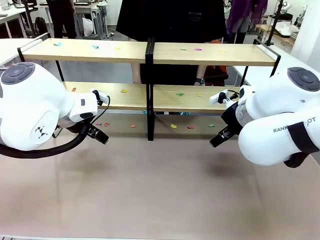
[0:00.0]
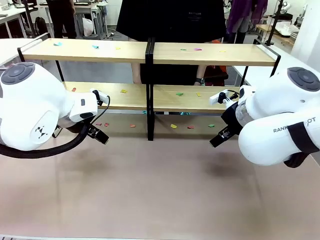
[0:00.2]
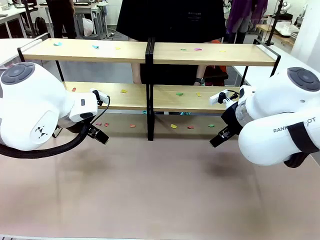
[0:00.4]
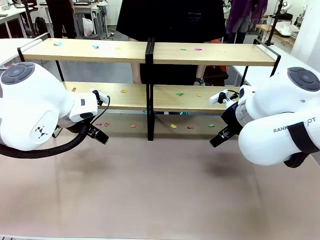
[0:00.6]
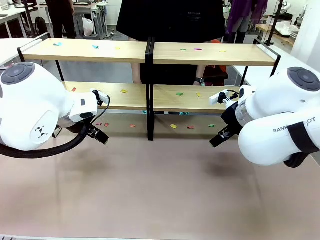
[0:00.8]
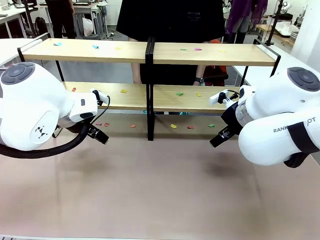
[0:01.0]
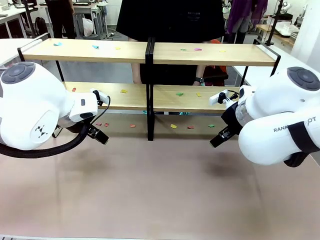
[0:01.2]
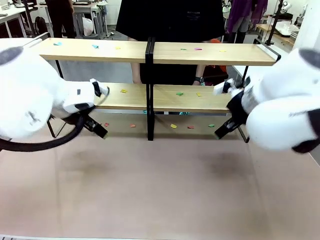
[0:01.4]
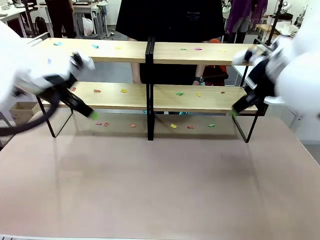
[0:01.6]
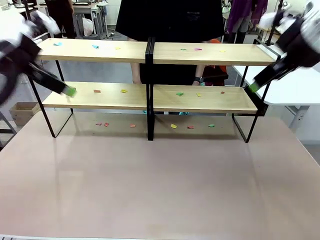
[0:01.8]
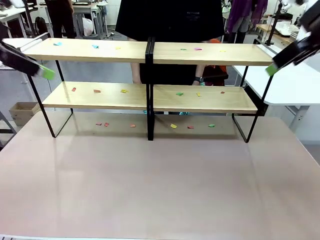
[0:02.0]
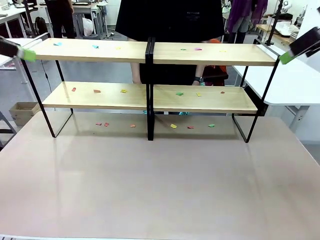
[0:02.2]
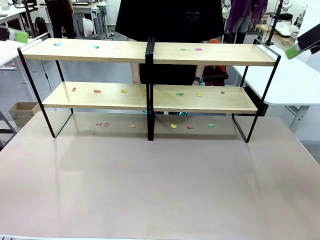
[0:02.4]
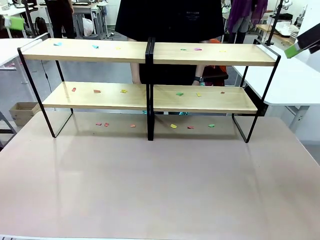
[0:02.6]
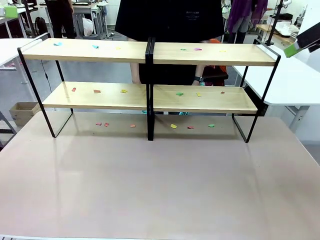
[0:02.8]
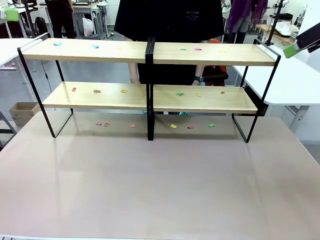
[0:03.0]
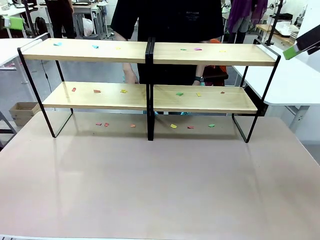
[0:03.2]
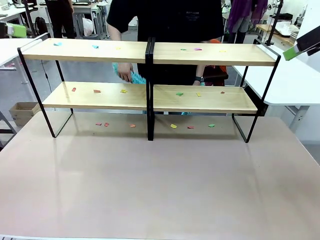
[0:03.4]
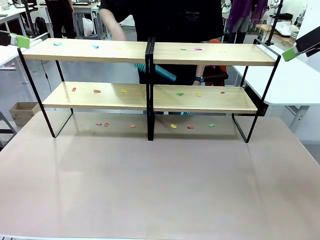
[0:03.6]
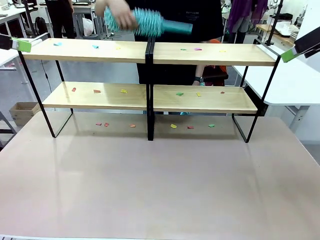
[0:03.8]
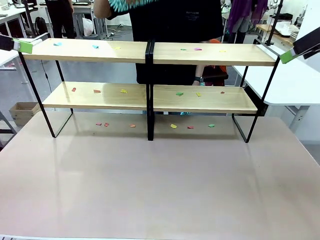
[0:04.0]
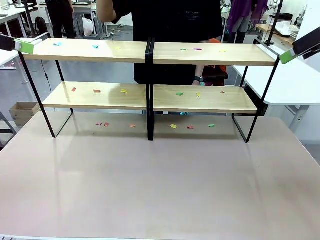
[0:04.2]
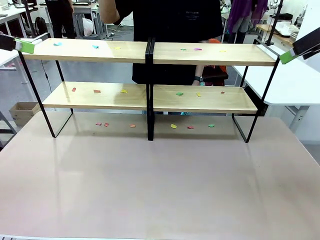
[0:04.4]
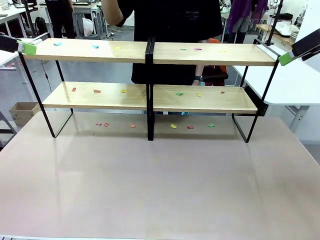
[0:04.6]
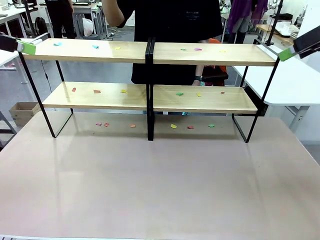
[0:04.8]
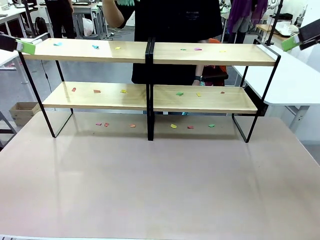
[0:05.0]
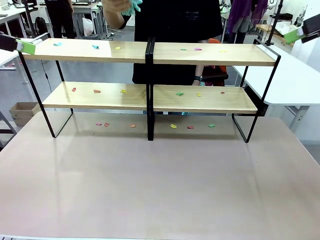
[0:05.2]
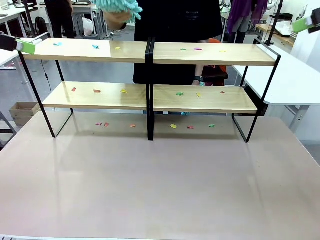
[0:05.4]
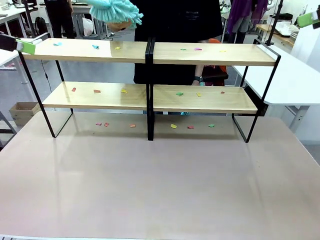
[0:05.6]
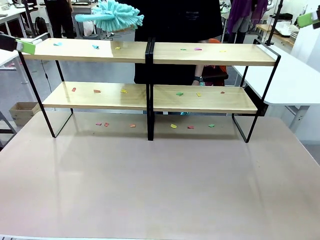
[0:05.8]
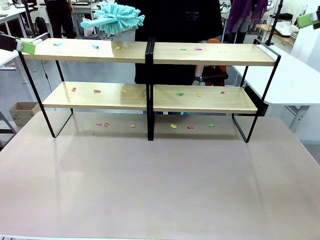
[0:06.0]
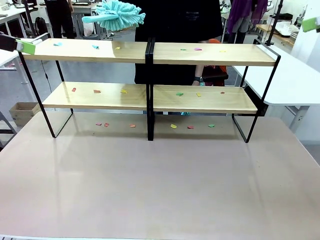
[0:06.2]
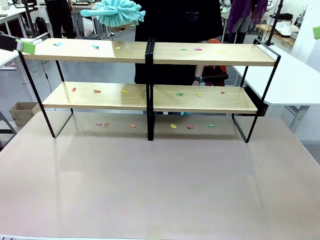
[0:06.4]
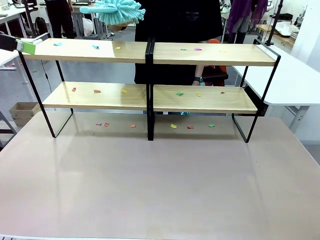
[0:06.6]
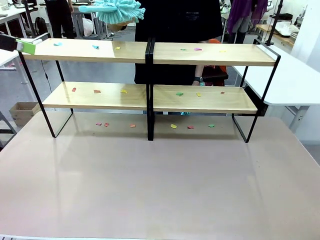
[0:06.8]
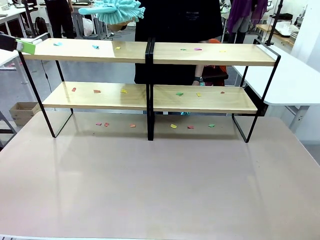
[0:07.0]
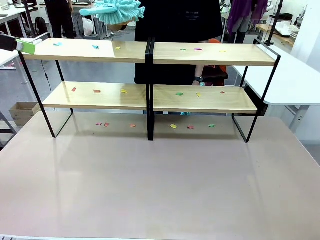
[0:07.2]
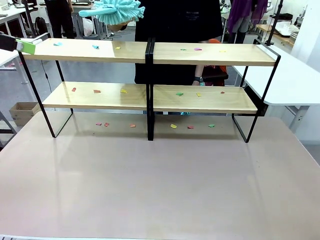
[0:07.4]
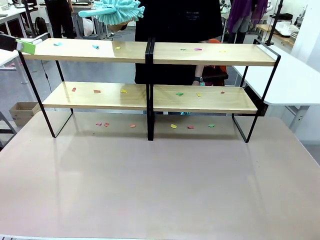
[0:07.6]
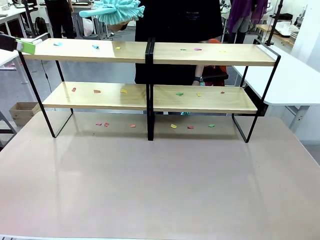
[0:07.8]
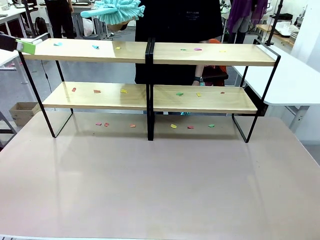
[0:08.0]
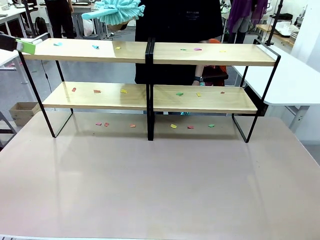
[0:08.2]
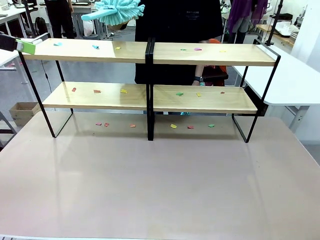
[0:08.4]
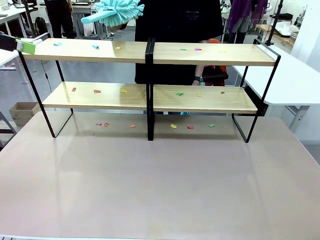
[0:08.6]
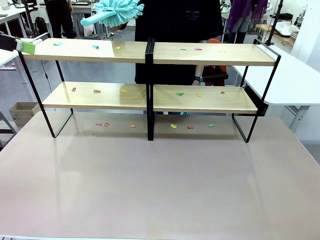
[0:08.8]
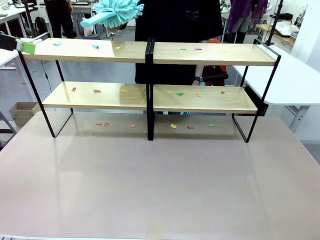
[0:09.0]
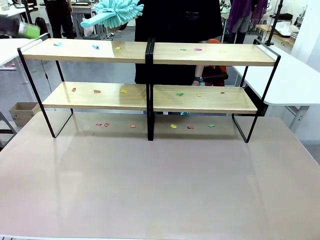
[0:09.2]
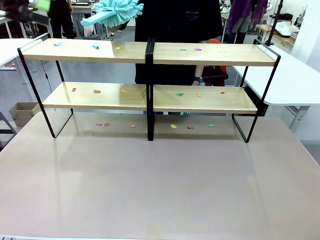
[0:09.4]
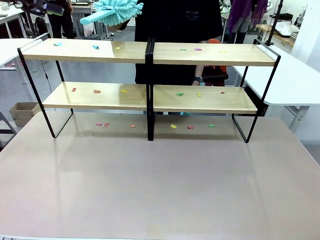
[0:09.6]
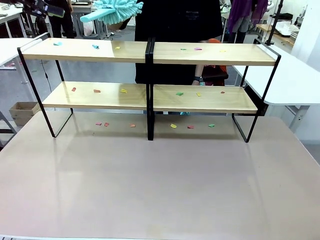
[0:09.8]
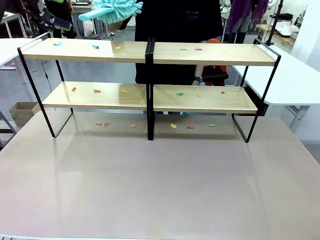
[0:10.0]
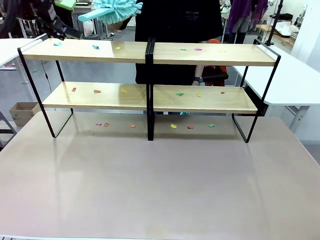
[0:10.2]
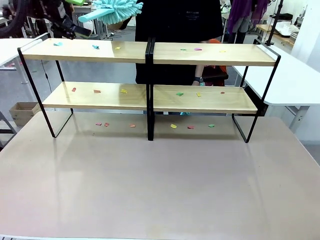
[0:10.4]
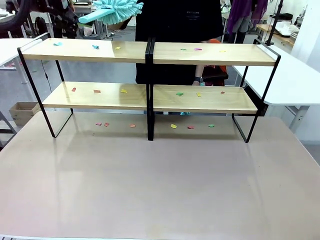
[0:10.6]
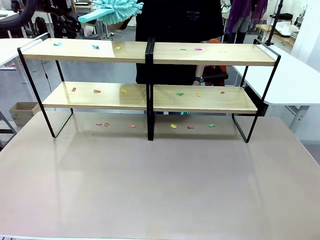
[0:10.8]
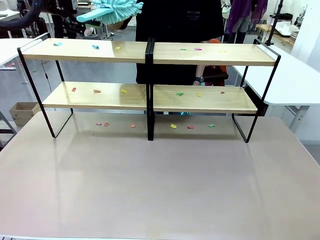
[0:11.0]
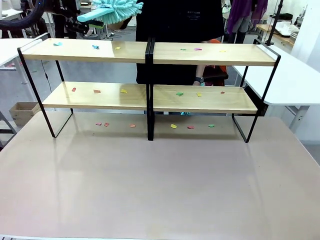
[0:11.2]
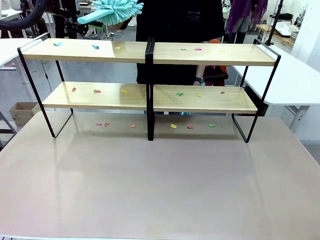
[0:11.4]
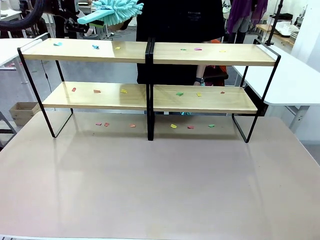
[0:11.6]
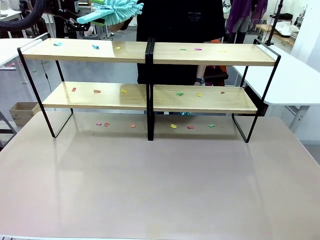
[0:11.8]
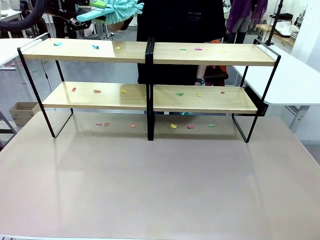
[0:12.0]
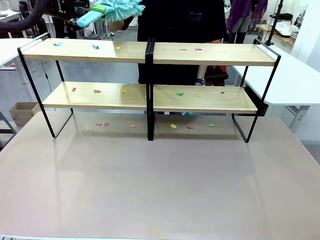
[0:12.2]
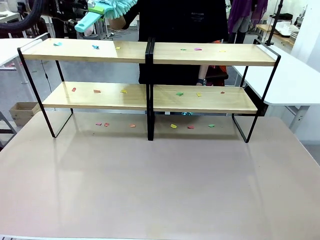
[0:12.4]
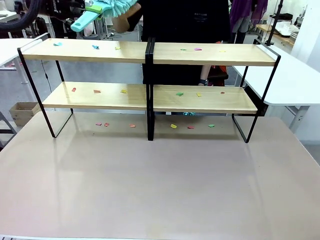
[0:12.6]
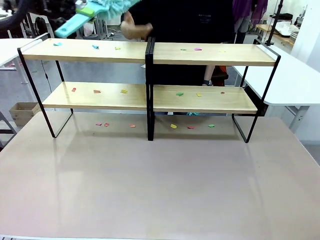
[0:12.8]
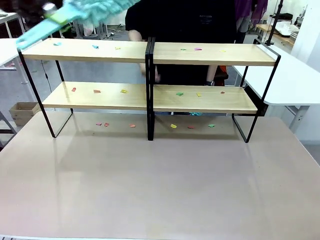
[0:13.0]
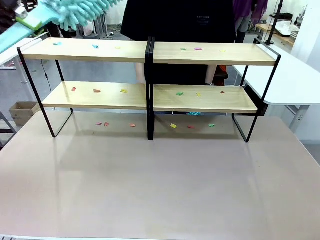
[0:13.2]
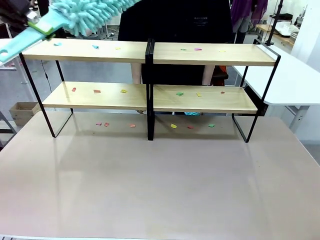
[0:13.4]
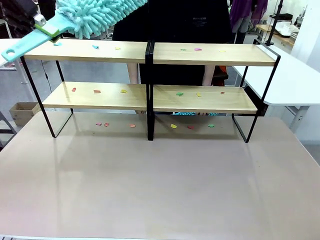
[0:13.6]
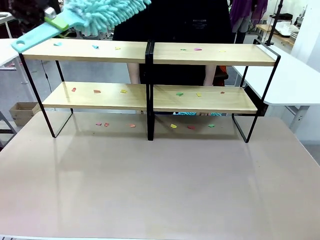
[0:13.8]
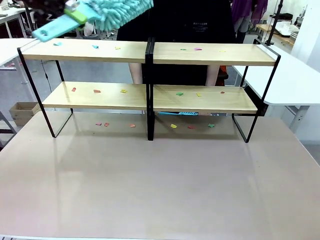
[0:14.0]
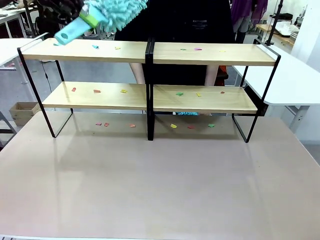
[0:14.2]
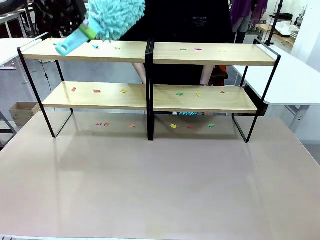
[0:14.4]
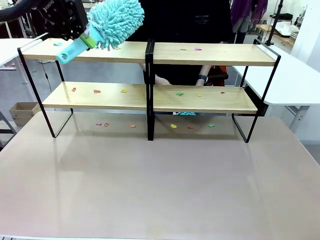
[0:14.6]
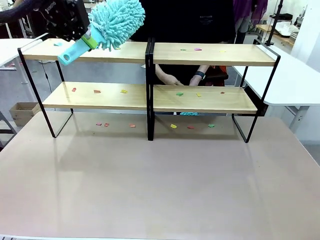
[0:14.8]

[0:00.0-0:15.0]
Task: Clean the shelves.
Robot: Pick up the Duster when the human hands it over.
Person: Hand the Duster to the robot with your right (or left) hand.

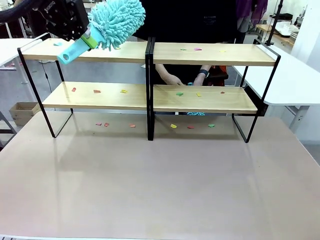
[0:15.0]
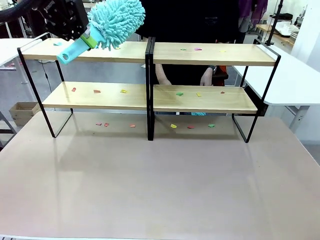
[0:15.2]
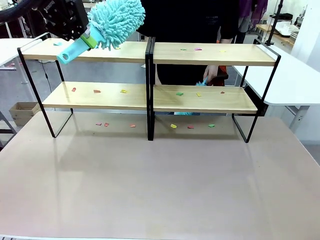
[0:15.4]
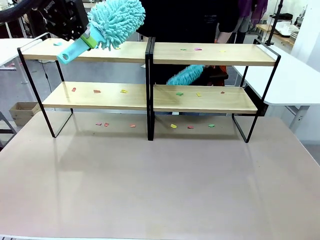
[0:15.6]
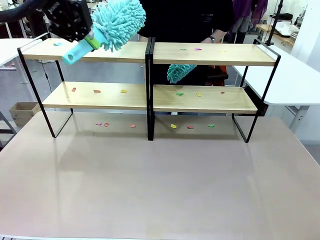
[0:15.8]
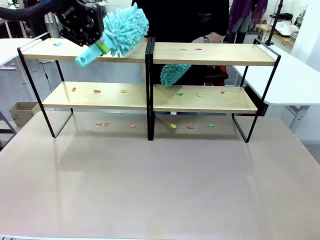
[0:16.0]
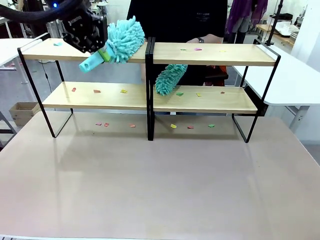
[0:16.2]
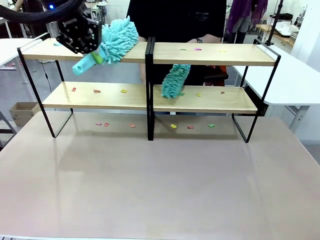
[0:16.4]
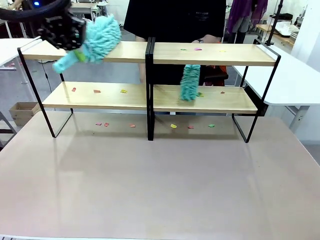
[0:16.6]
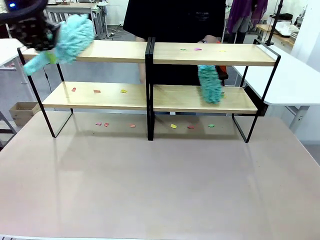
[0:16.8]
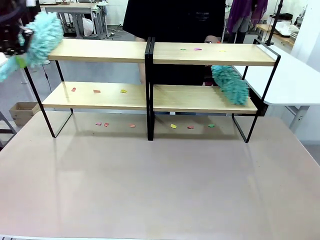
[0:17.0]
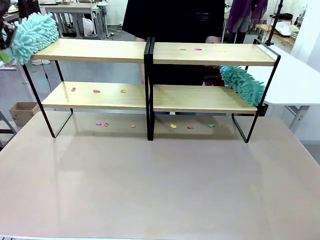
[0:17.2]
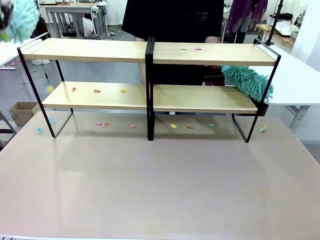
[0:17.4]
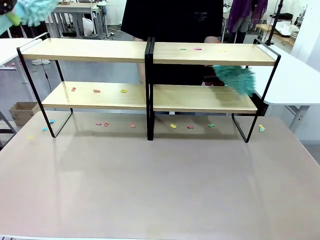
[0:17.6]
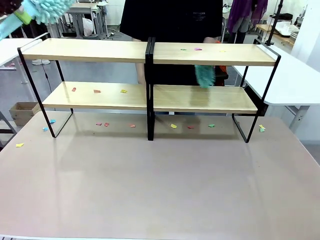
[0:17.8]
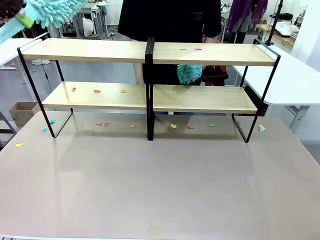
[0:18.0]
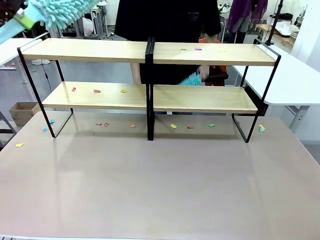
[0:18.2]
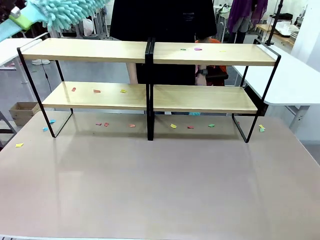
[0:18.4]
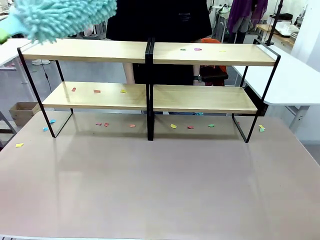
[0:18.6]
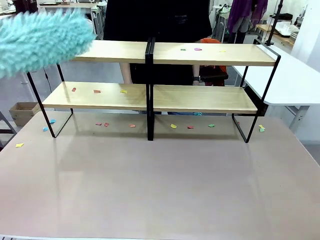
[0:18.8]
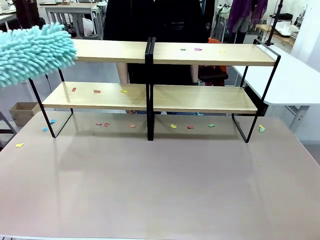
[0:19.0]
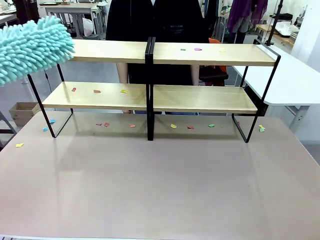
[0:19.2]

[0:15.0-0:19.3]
Robot: Clean a randomly selected level of the Shelf with the Duster.
